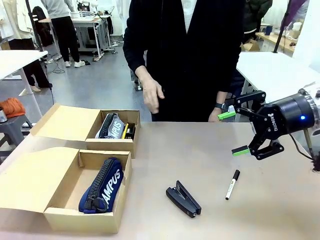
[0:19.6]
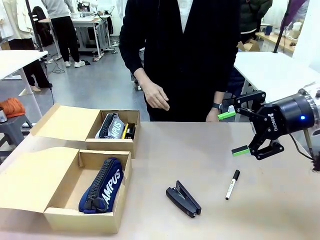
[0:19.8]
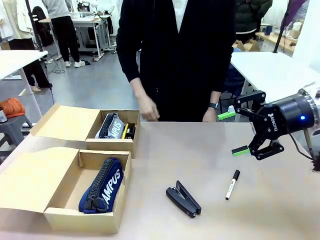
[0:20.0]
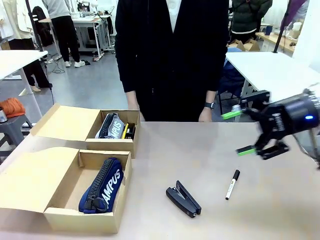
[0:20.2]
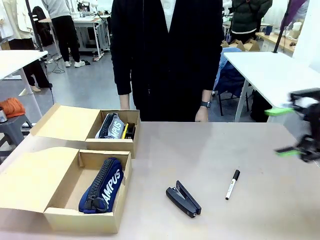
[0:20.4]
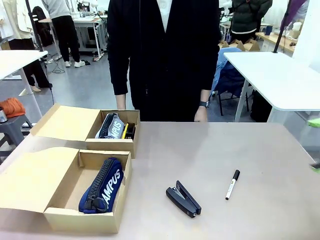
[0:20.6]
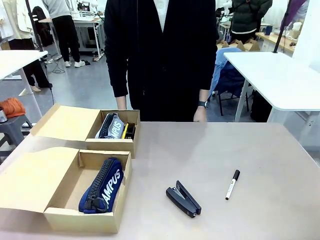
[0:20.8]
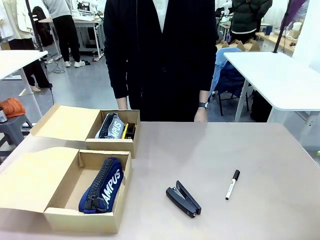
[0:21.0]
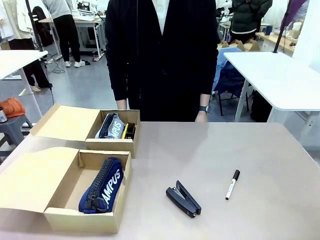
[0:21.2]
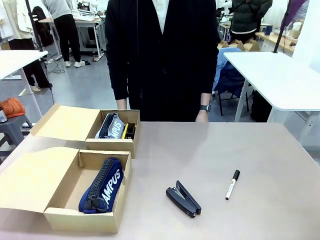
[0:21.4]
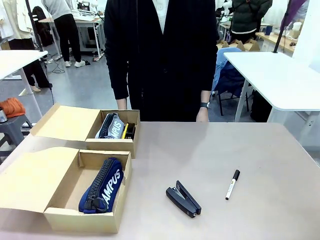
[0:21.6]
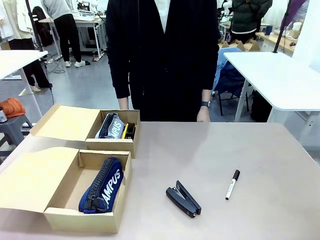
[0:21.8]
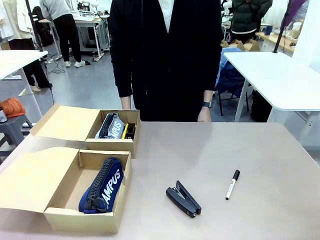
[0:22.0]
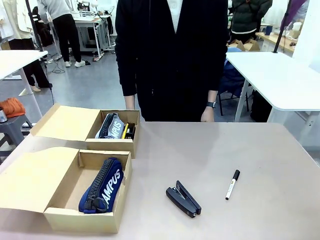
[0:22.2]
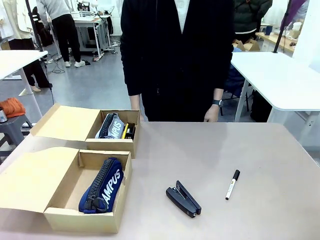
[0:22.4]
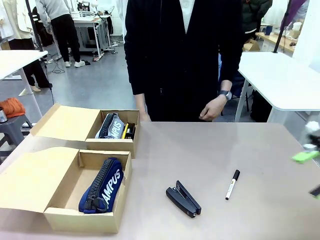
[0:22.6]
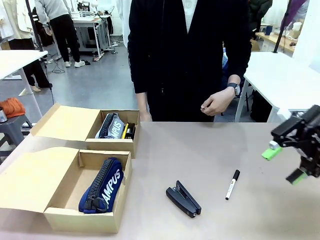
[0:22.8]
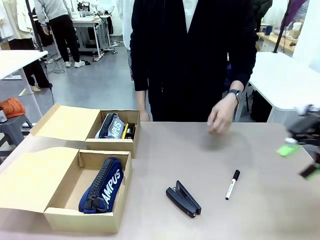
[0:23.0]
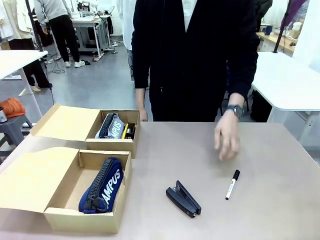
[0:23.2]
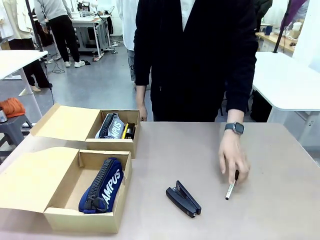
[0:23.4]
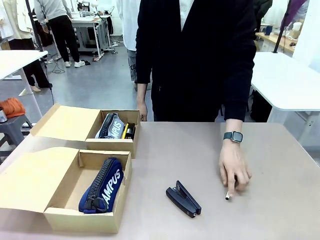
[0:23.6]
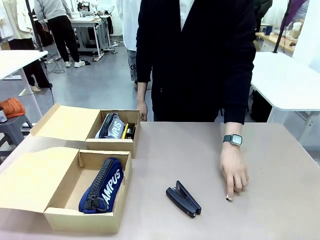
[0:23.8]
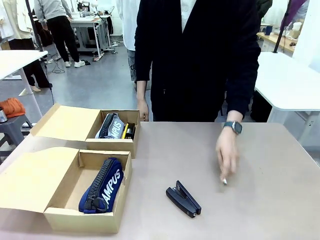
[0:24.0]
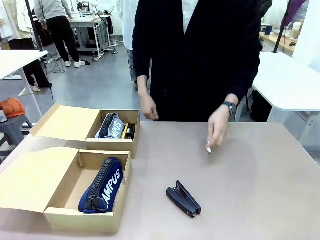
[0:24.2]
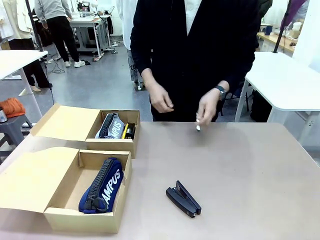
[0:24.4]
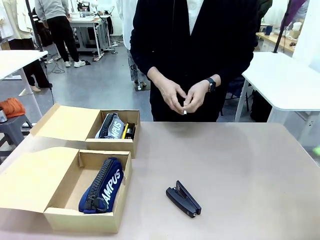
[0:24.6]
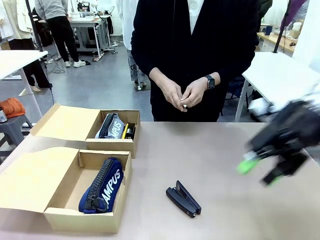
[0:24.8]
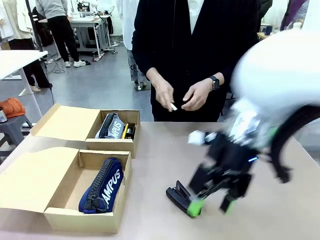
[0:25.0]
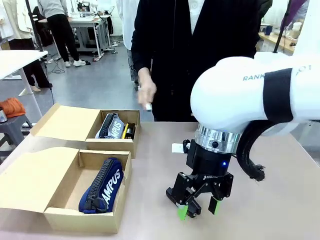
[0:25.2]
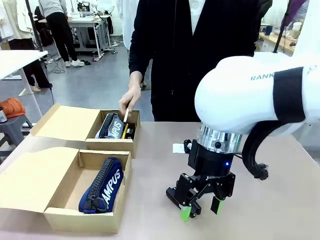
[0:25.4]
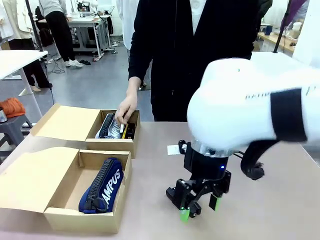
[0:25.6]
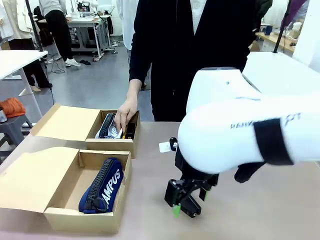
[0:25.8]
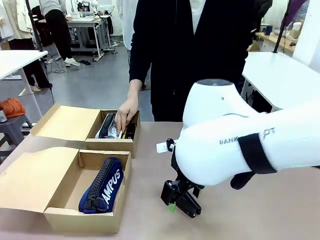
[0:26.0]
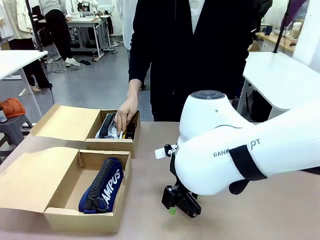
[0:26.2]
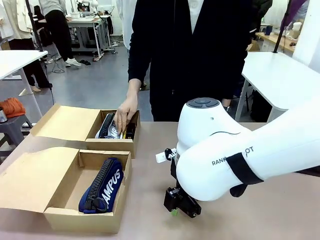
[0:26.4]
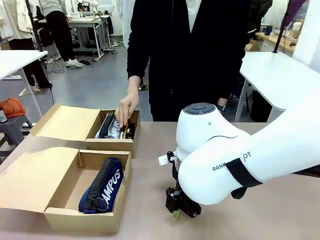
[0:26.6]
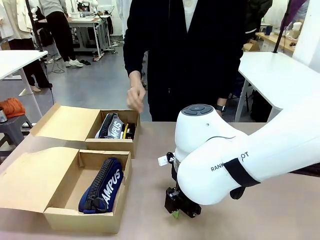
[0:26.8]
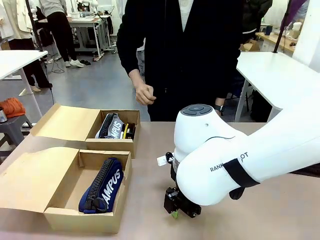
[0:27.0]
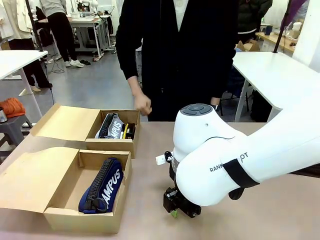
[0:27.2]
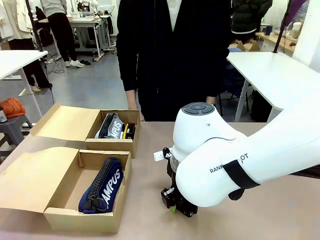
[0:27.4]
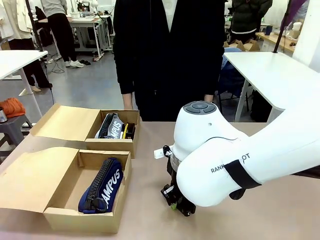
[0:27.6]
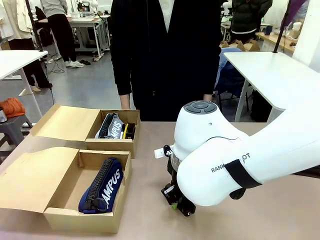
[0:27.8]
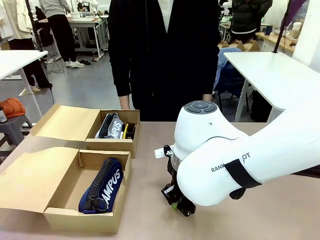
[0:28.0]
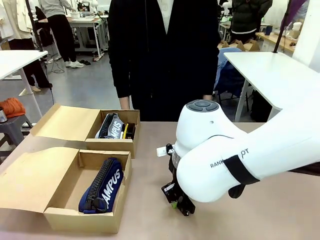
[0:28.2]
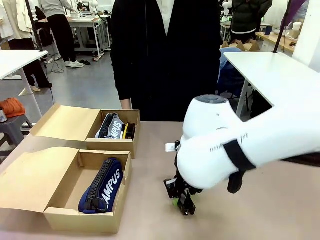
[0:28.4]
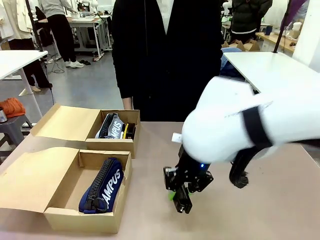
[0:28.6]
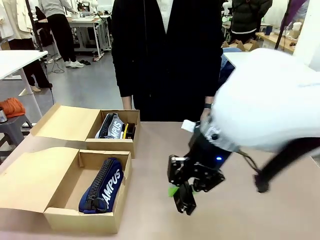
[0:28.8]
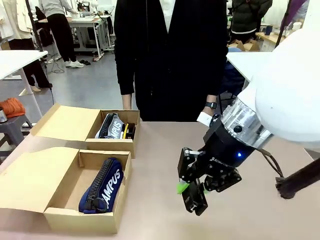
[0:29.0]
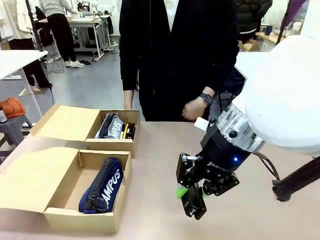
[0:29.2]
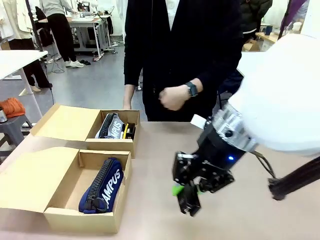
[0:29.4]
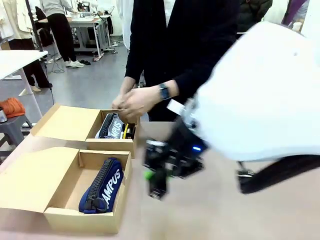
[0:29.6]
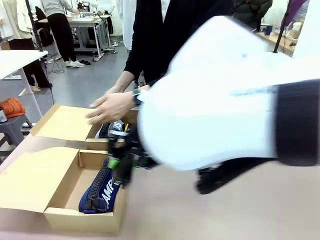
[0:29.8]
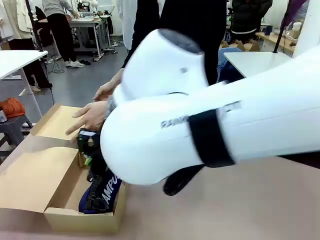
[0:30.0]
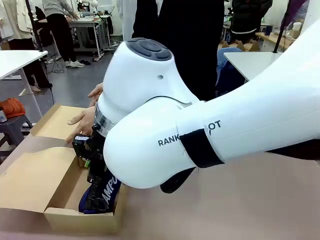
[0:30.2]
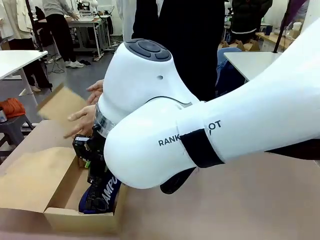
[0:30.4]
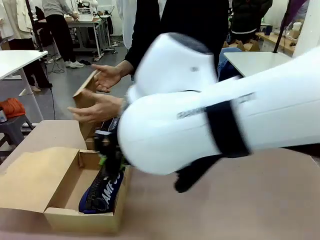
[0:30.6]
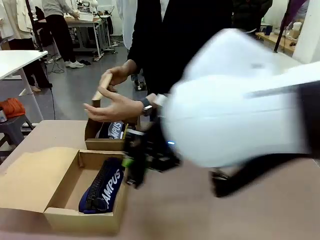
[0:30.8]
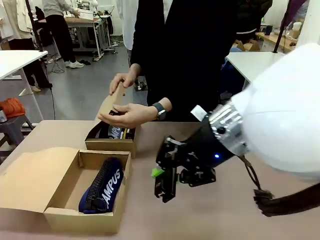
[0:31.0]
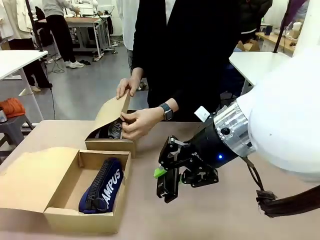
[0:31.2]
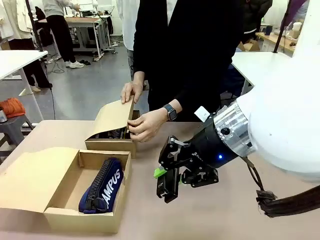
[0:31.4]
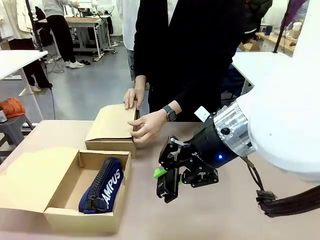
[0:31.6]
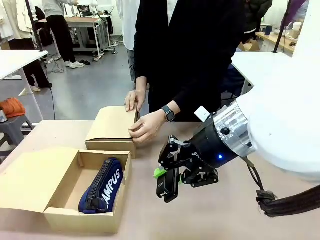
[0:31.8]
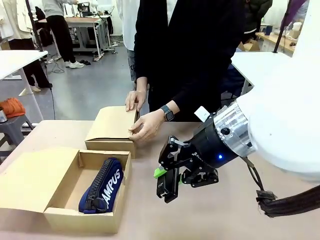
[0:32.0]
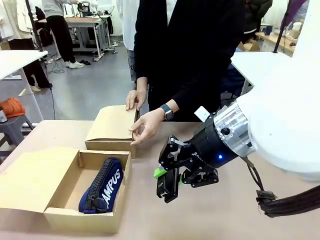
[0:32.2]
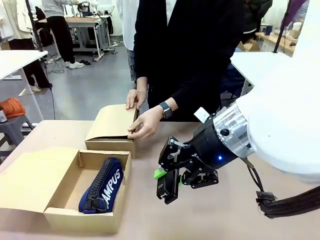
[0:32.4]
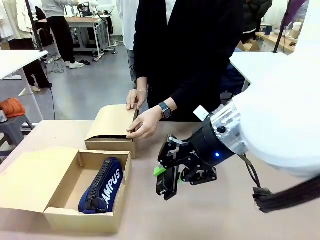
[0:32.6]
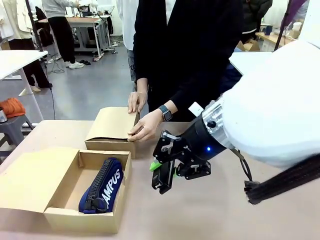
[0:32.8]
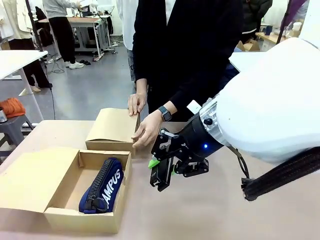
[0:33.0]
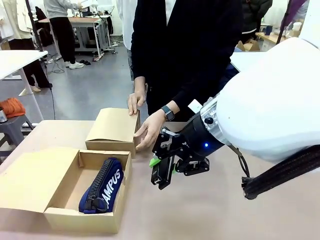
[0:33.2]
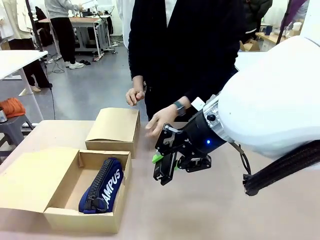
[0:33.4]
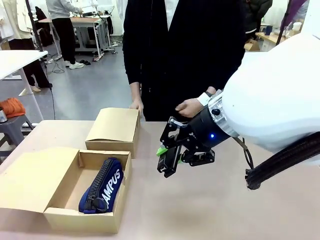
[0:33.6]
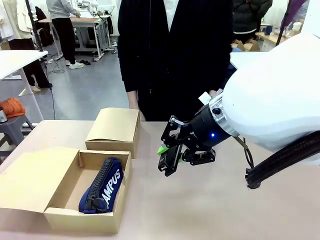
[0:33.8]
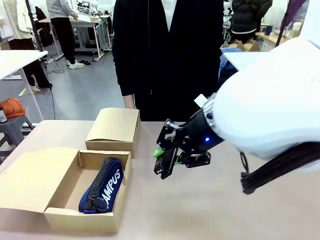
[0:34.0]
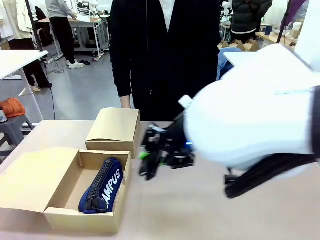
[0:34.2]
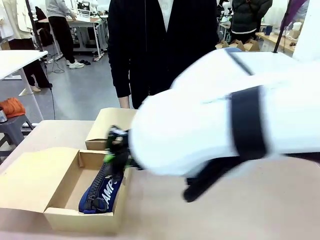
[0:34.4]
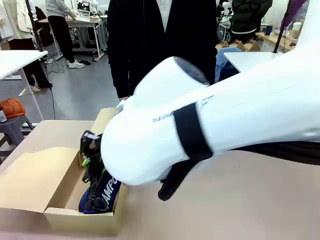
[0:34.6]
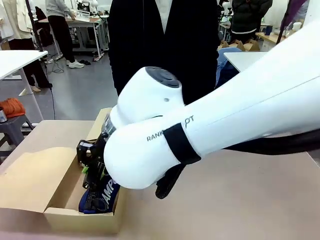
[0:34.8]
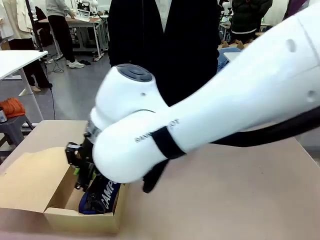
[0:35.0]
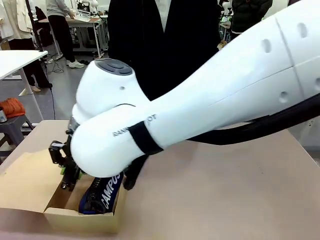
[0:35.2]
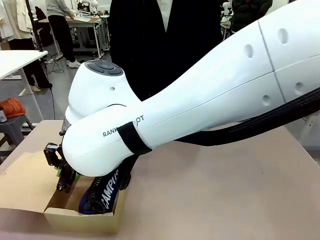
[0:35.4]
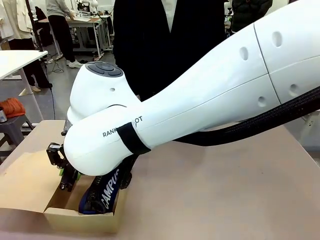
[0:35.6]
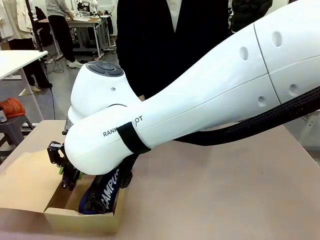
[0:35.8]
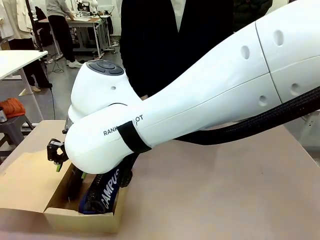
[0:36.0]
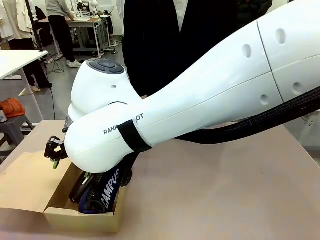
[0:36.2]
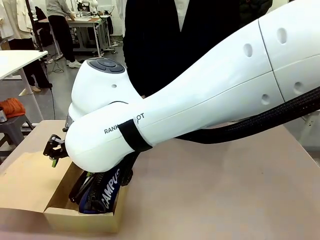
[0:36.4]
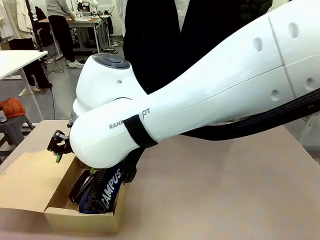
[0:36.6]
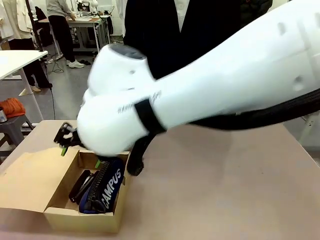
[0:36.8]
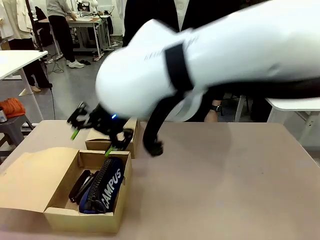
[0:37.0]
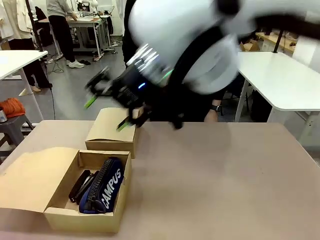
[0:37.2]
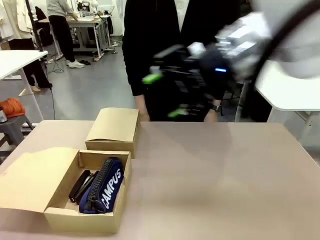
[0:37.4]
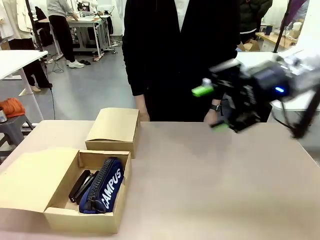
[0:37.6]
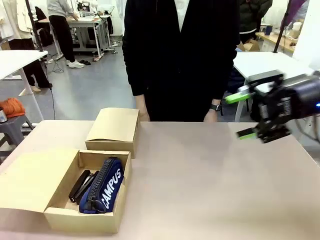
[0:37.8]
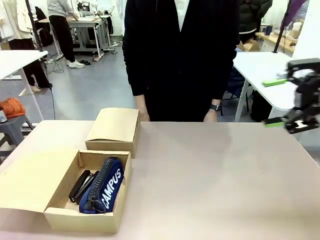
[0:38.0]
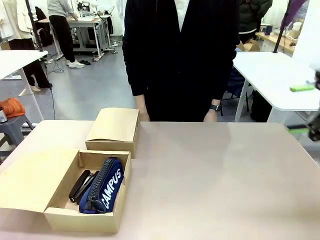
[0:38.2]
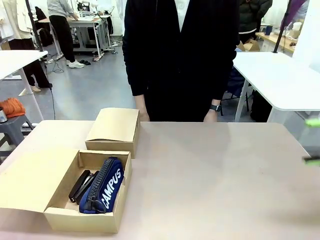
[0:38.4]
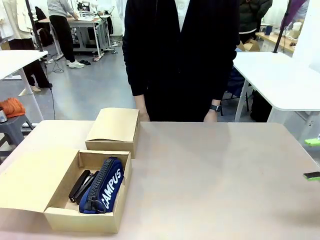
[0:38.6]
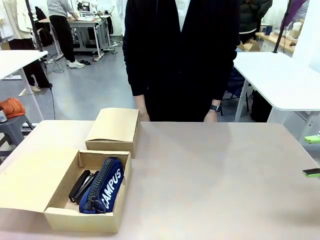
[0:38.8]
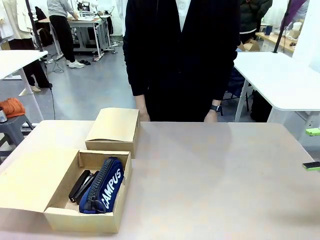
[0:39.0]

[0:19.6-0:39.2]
Task: Place items inside the box.
Robot: Pick up a Pencil pouch or Stapler and place it inside the Mailer Box closest to the robot.
Person: Close the lid of the box facing the person.
